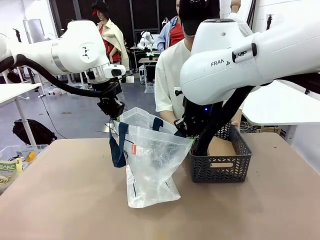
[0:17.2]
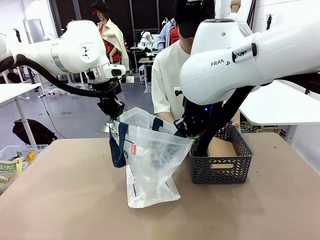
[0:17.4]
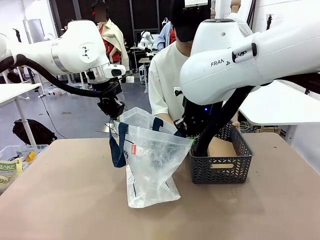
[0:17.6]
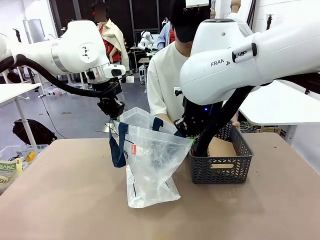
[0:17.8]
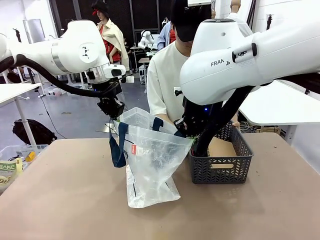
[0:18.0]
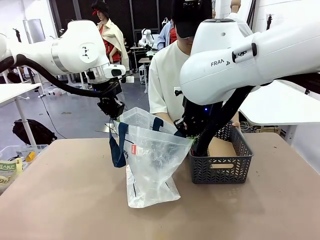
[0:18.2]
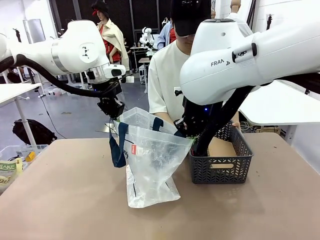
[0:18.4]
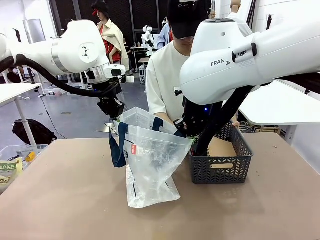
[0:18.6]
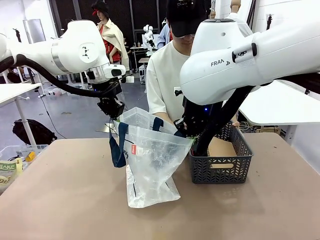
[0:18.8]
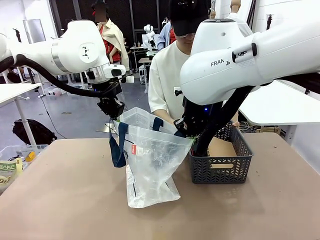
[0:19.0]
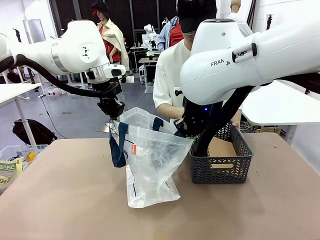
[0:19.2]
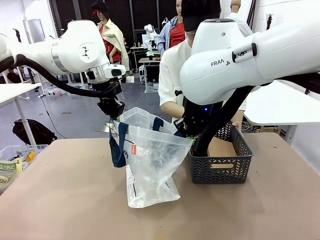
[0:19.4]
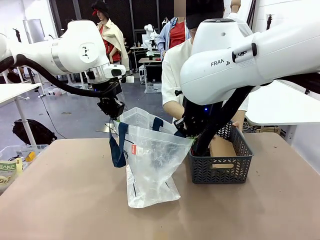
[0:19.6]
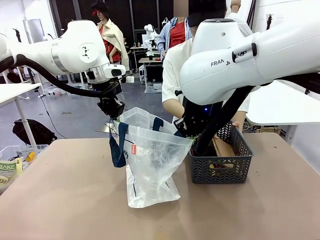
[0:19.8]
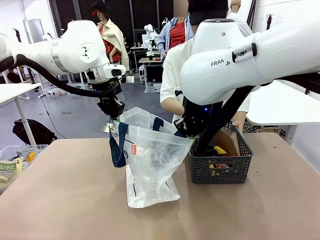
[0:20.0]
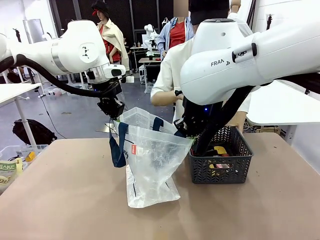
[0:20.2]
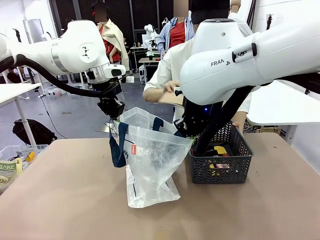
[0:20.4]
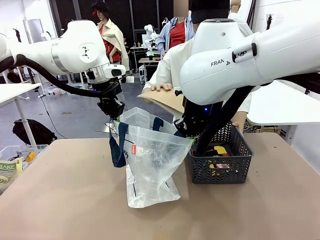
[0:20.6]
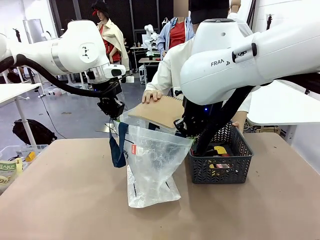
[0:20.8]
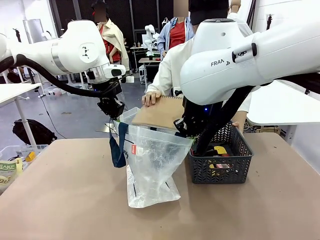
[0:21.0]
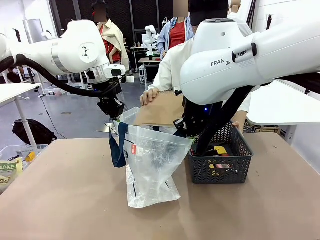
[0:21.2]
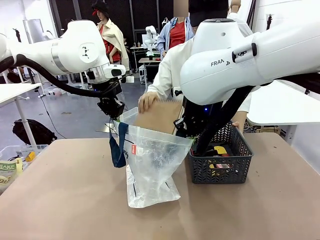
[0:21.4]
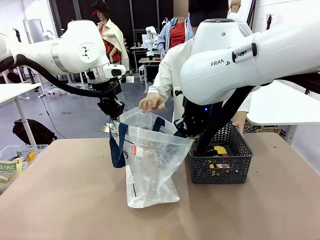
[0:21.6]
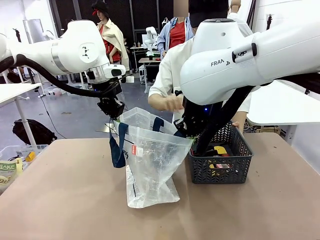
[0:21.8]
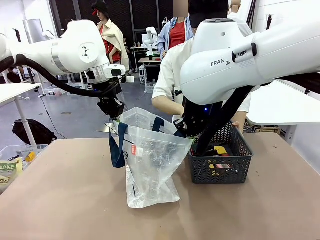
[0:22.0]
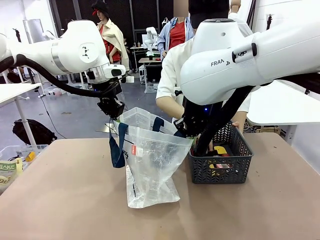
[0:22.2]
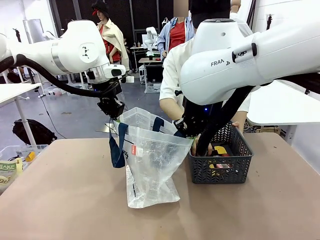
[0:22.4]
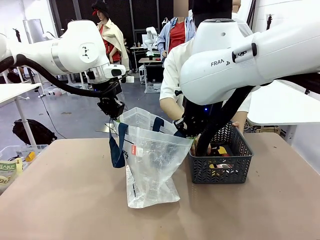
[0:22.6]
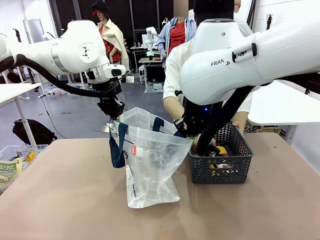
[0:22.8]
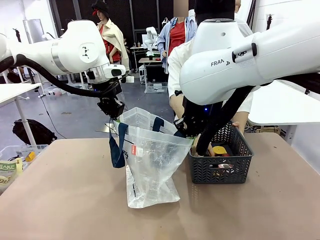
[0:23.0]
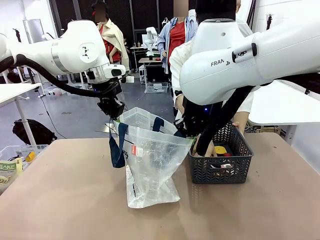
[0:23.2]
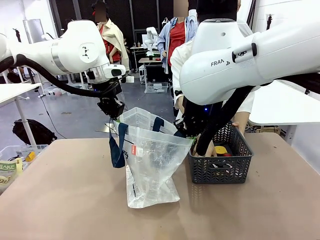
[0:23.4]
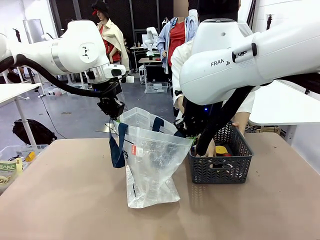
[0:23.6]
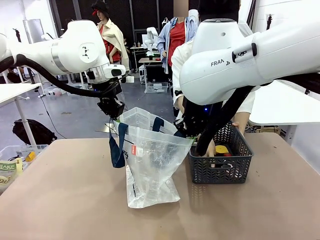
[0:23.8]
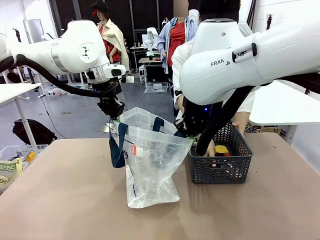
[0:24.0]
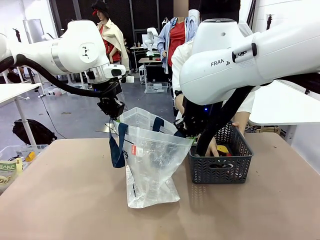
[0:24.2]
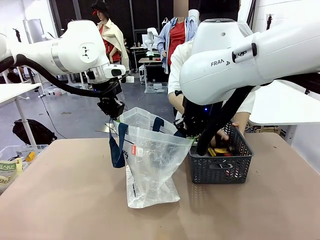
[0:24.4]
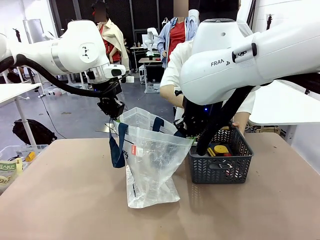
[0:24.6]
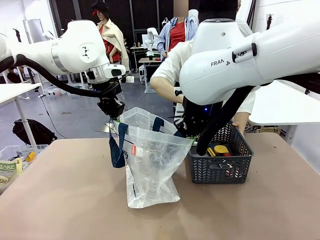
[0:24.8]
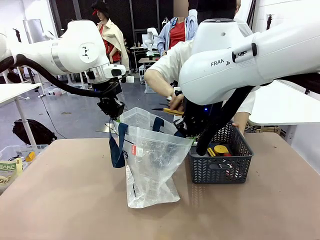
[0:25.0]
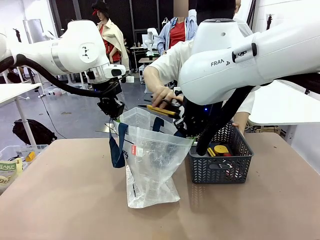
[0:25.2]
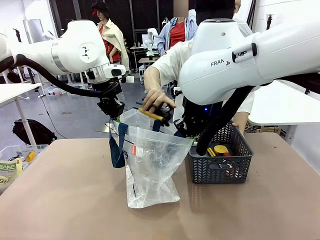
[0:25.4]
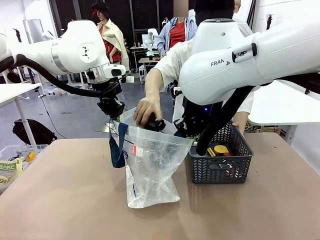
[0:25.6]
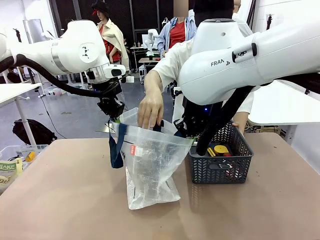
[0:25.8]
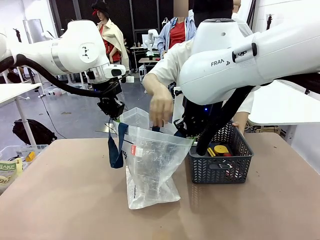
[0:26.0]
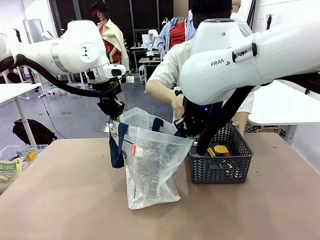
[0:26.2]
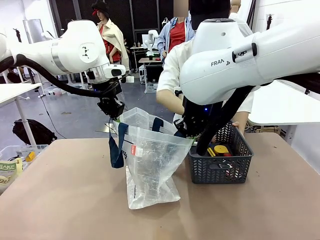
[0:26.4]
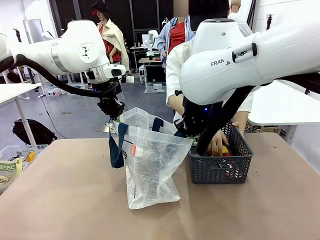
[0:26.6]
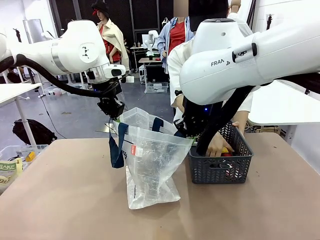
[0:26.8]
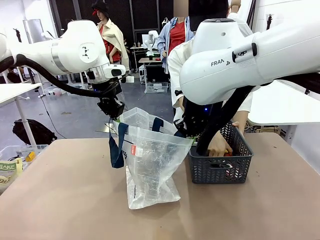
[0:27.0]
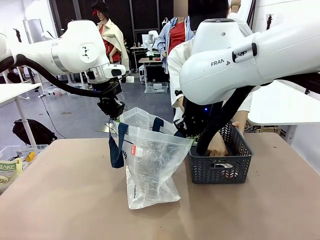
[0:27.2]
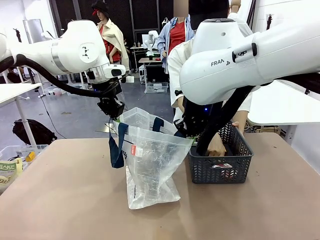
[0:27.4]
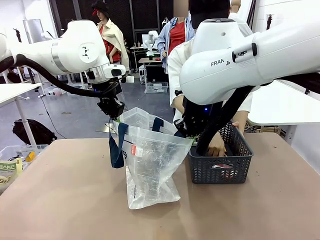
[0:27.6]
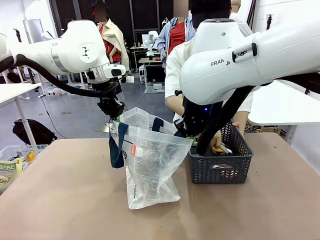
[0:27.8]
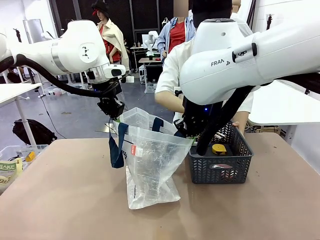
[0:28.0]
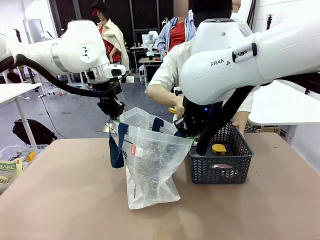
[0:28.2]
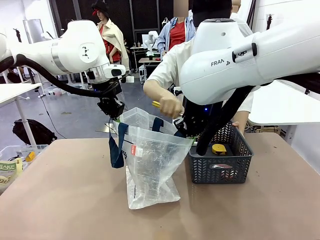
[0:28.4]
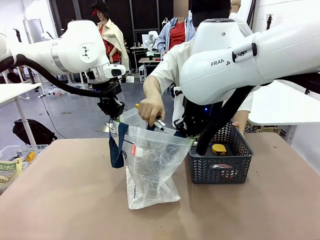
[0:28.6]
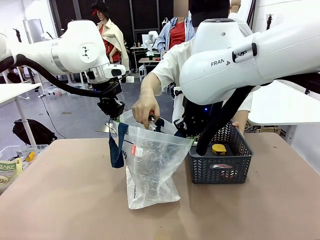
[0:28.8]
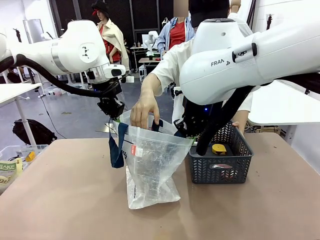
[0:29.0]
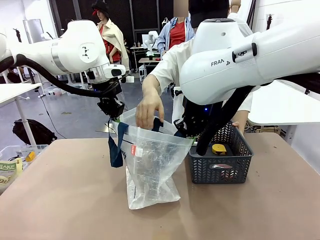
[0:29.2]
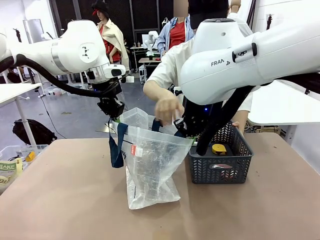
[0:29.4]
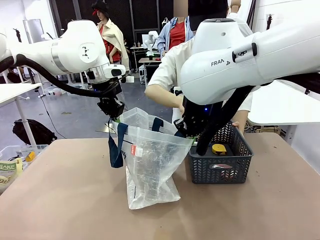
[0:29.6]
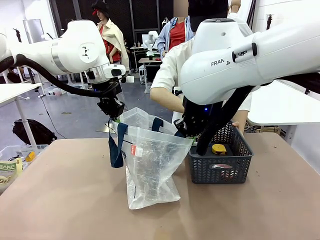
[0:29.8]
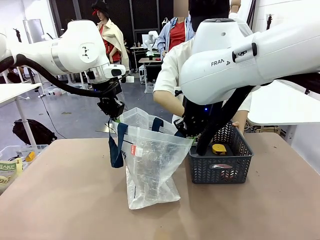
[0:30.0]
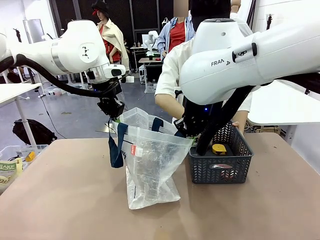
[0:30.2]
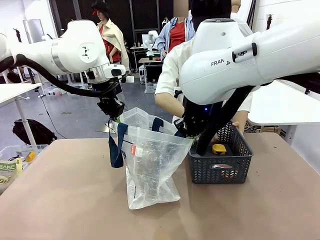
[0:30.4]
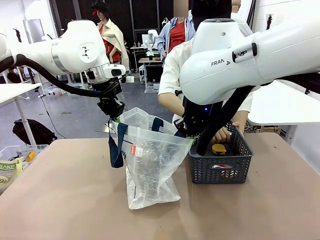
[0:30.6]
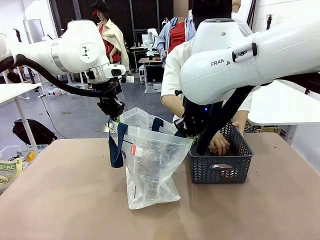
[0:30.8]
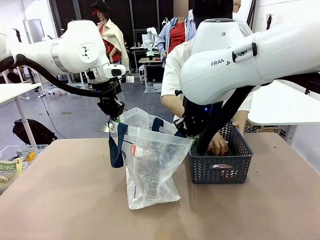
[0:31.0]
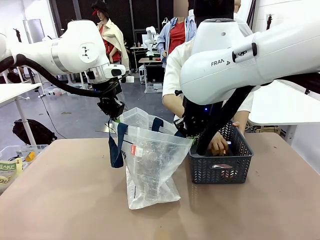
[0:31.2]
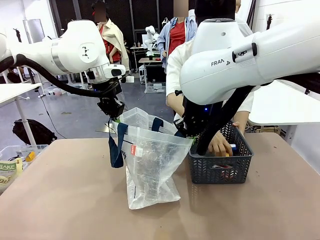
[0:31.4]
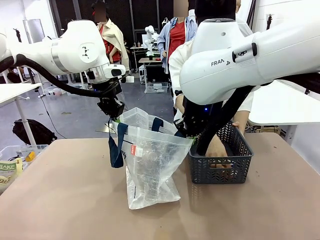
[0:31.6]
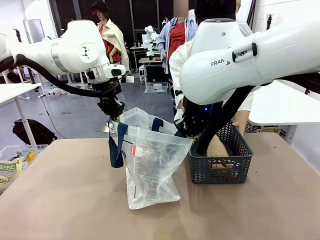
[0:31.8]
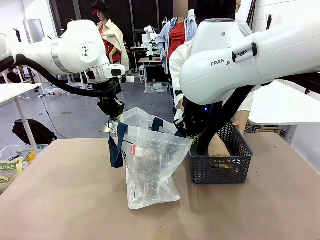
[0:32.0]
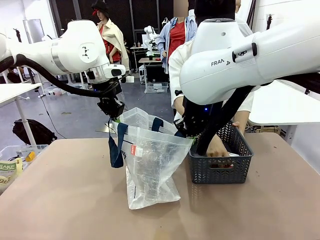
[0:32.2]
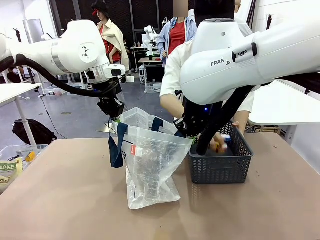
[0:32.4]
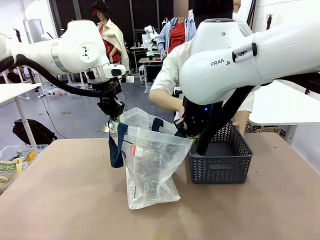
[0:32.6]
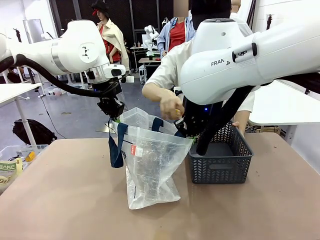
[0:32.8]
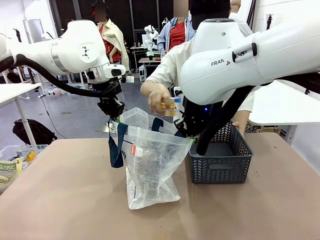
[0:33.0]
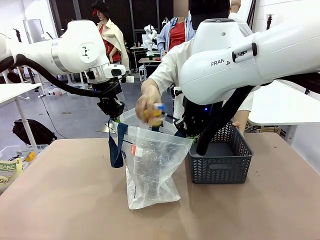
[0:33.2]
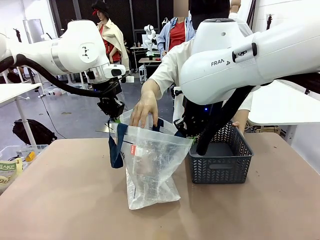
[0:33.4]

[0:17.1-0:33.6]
Task: Transfer purchased items from the store into the shopping bag.
Robot: Move the Reusable shopping bag to the right side of the table.
Person: Pick up the basket with the items out and place it on the right side of the human table.
